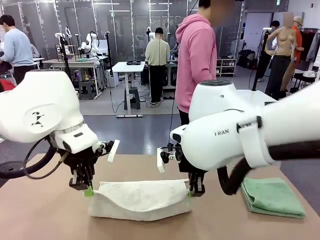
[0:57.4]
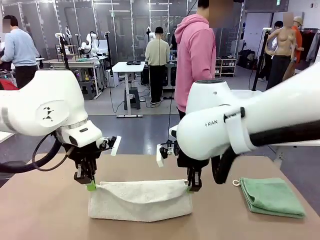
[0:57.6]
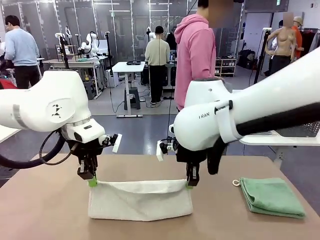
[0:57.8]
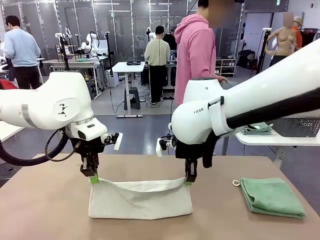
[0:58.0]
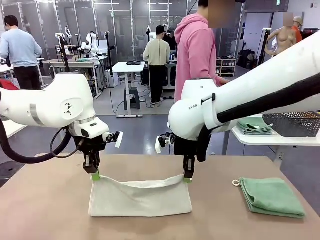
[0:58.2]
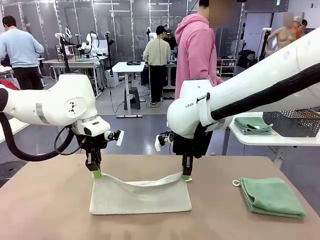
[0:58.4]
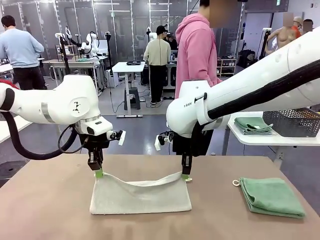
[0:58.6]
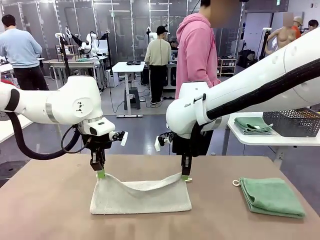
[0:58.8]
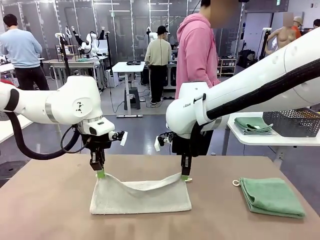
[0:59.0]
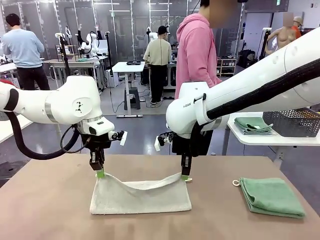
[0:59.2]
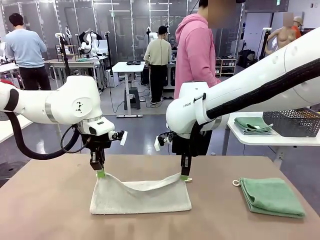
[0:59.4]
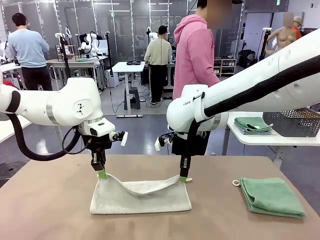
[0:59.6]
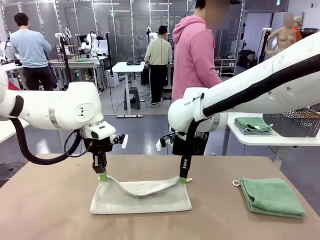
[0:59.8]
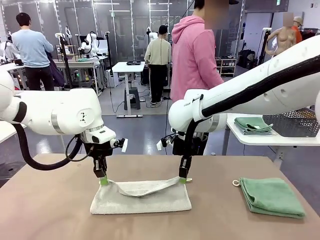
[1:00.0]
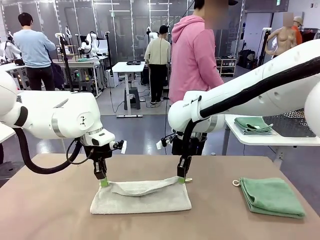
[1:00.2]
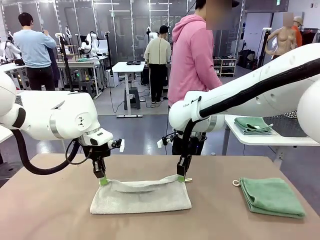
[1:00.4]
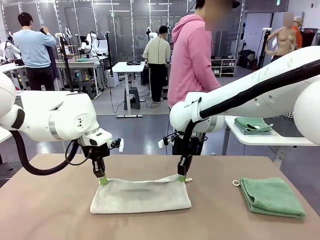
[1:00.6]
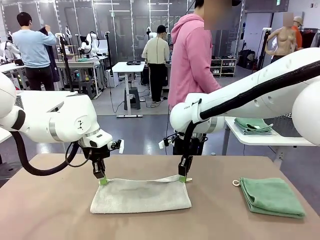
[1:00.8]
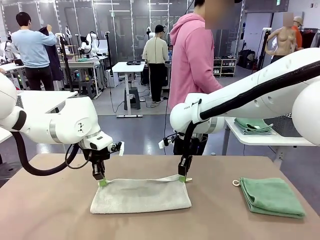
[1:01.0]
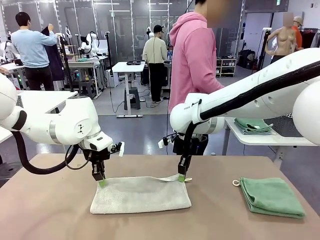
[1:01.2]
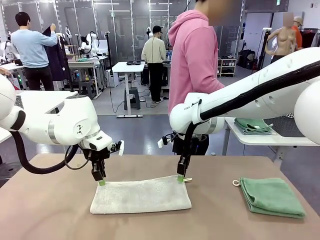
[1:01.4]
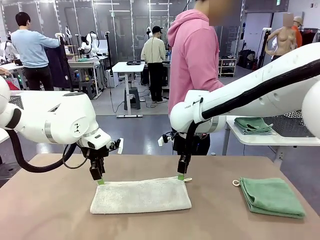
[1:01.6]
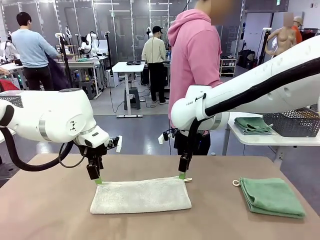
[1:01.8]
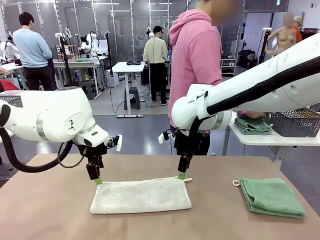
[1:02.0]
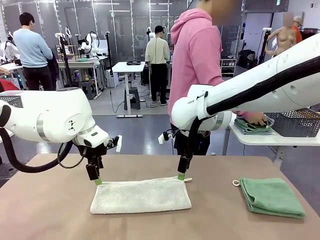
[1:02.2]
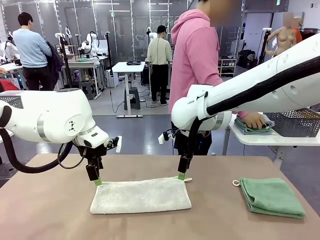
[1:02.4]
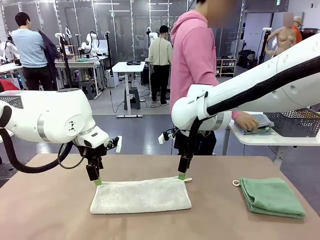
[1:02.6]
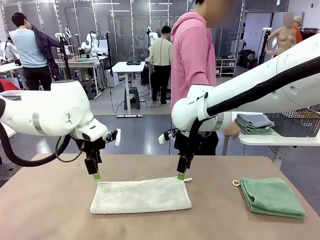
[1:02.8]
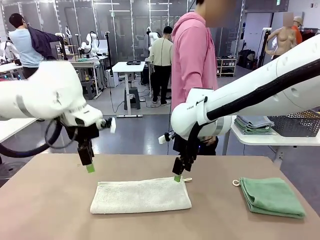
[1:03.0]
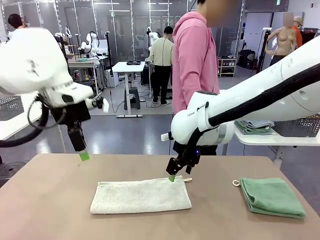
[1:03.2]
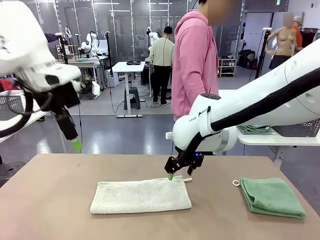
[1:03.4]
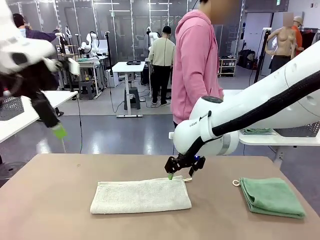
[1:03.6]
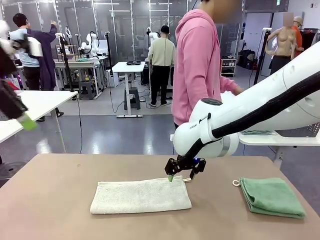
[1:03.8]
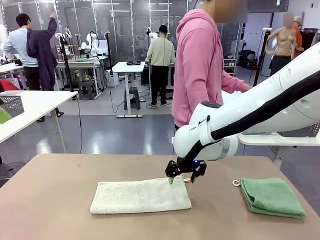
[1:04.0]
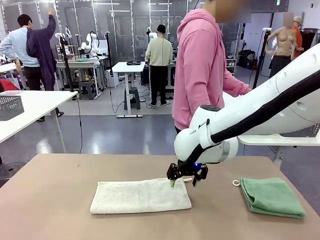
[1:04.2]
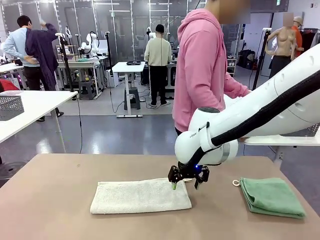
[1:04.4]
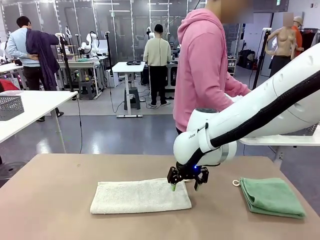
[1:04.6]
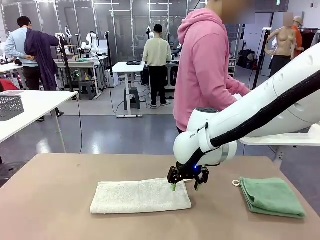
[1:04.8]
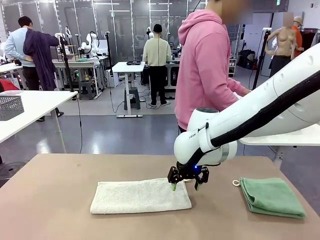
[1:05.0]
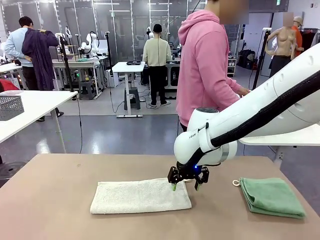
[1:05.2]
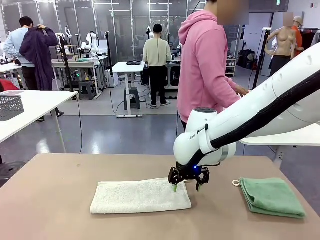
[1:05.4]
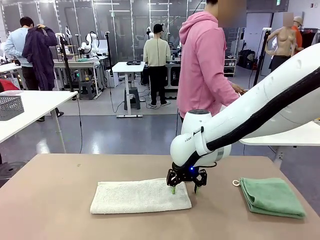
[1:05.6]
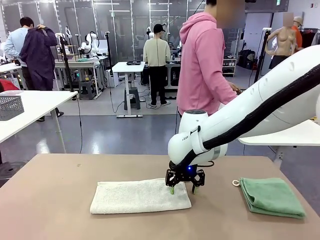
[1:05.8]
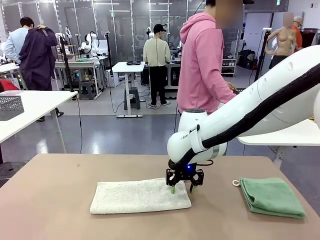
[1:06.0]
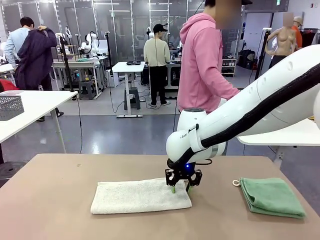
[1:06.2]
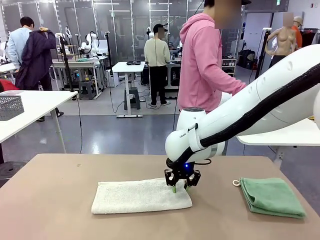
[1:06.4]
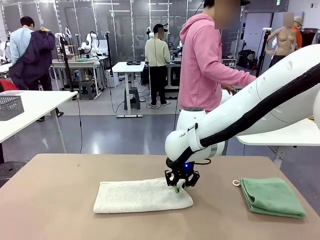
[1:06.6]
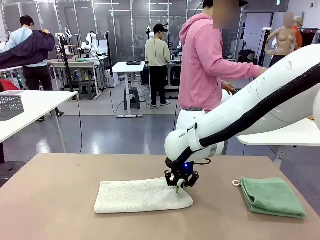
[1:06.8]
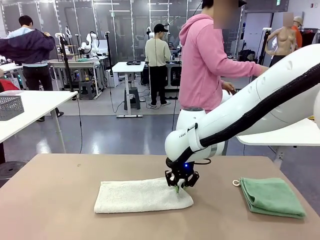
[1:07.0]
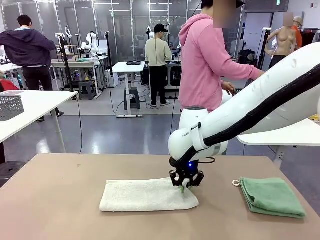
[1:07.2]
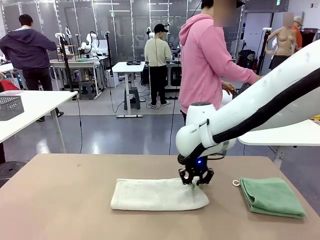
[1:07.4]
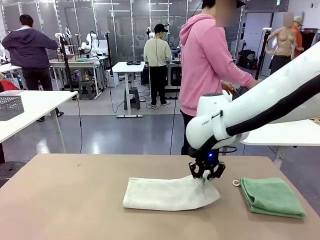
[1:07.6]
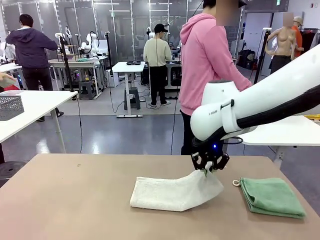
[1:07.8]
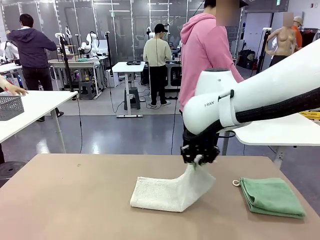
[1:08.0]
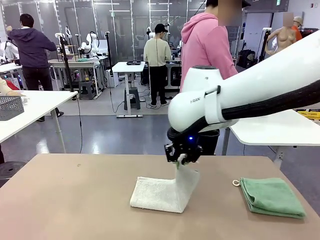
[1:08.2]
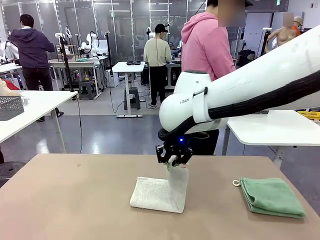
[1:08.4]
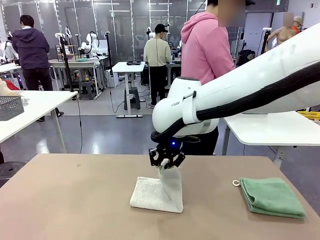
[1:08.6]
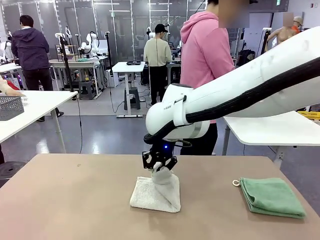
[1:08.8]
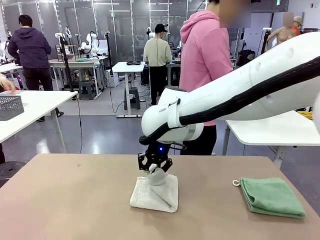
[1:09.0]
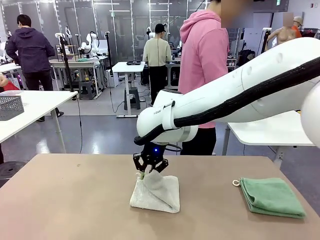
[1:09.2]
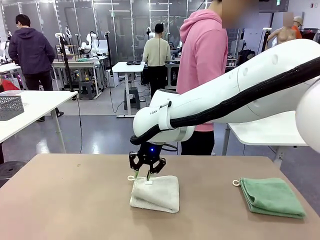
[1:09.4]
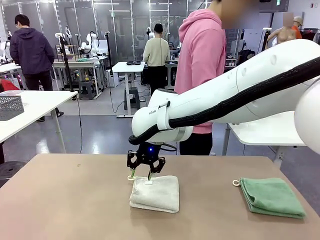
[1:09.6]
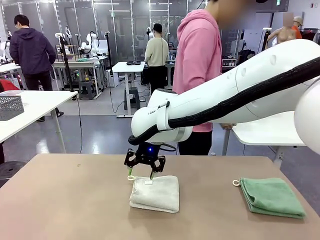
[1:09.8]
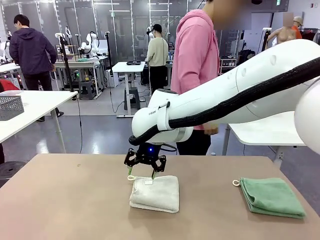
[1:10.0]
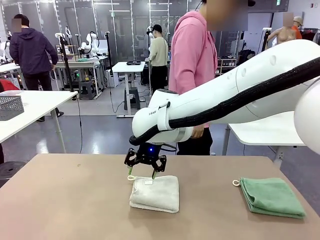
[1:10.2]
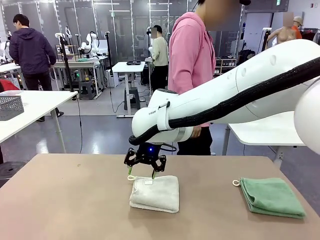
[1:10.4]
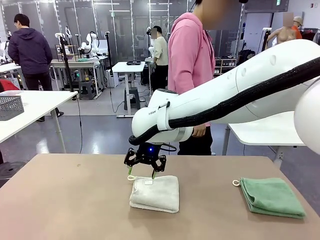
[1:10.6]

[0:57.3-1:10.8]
Task: Fold the towels and place them in the basket.
Robot: When a person lays out a Towel with hook on the table, fold it in half twice.
Person: Pick up the stack of towels from the right side of the human table, place it into the basket, and put the basket at the center of the table.
